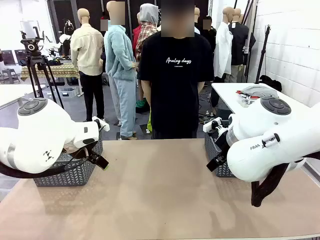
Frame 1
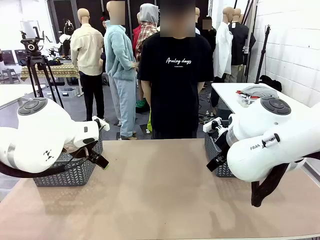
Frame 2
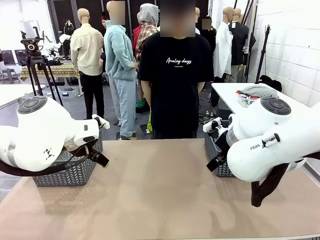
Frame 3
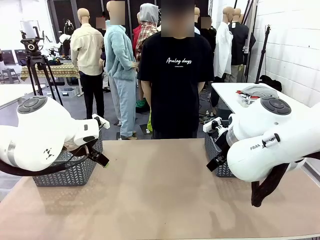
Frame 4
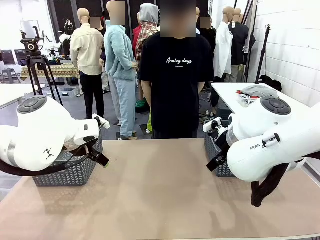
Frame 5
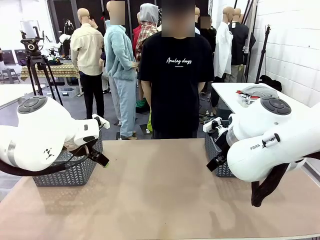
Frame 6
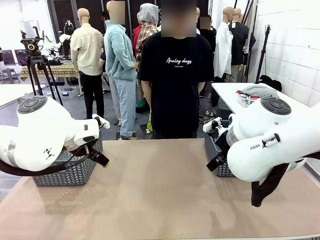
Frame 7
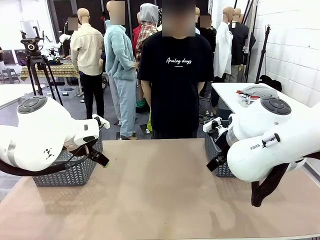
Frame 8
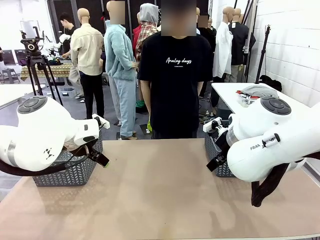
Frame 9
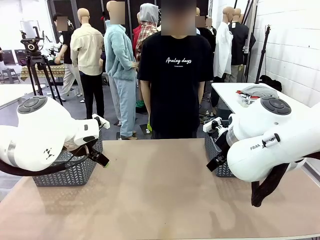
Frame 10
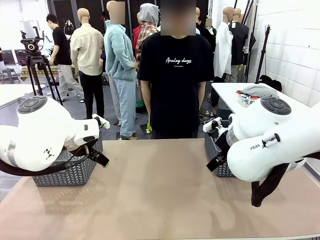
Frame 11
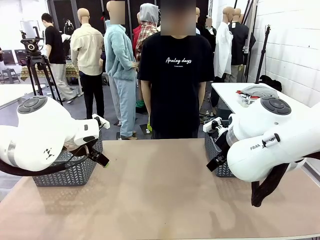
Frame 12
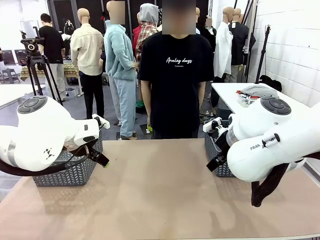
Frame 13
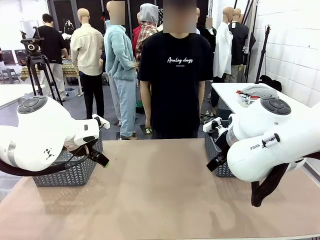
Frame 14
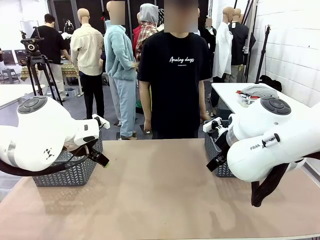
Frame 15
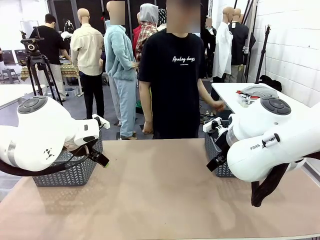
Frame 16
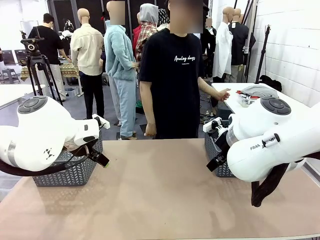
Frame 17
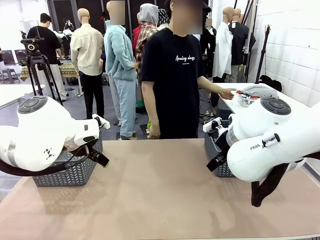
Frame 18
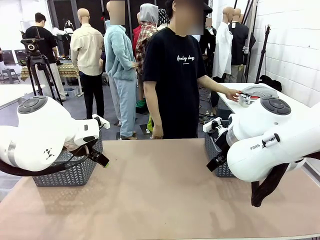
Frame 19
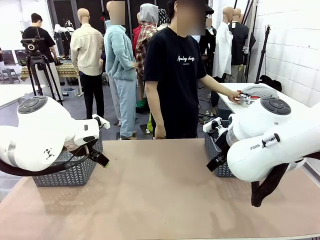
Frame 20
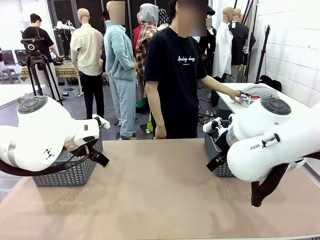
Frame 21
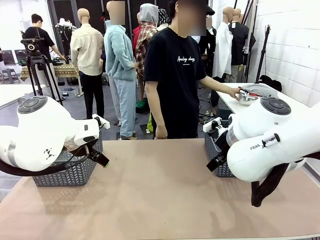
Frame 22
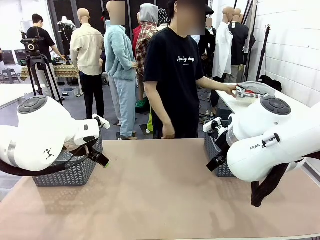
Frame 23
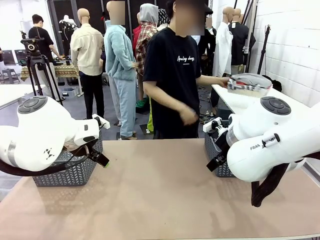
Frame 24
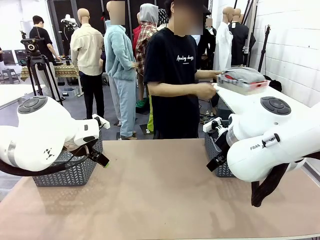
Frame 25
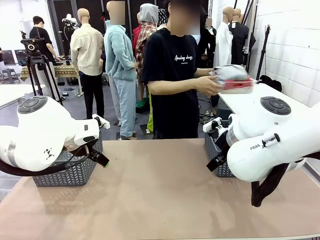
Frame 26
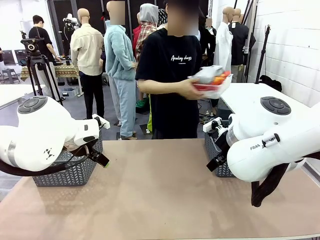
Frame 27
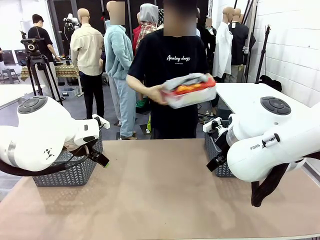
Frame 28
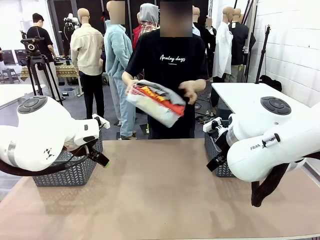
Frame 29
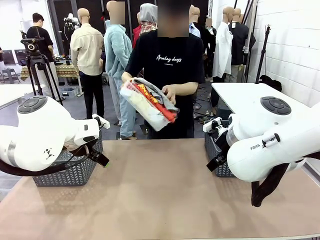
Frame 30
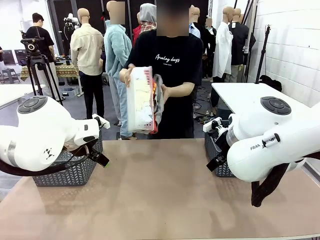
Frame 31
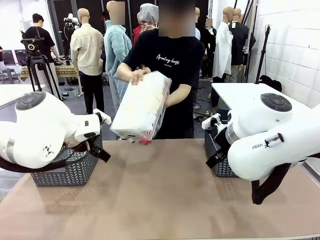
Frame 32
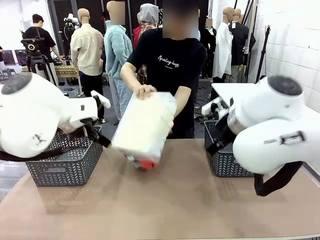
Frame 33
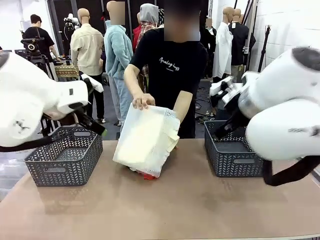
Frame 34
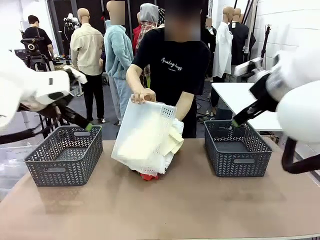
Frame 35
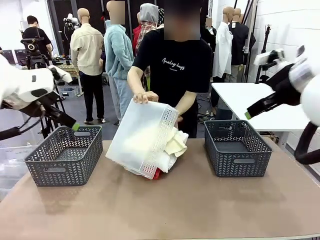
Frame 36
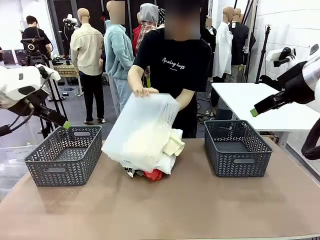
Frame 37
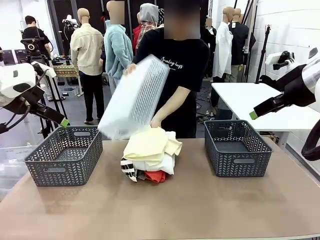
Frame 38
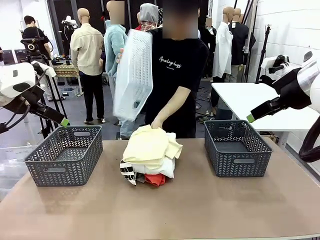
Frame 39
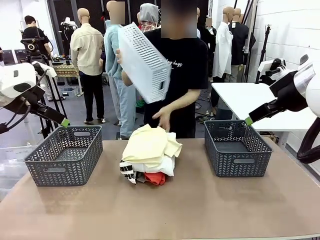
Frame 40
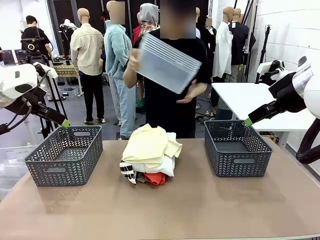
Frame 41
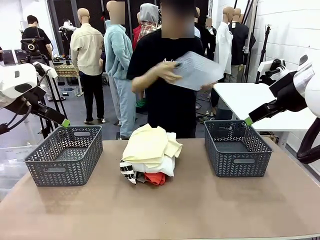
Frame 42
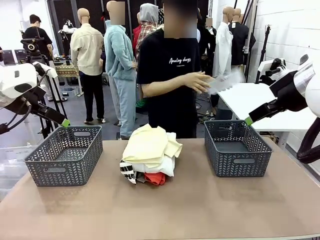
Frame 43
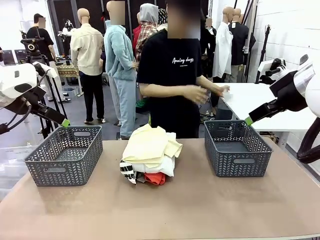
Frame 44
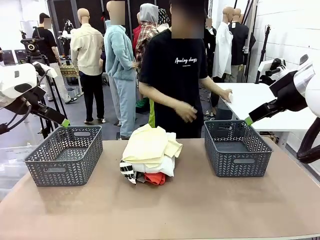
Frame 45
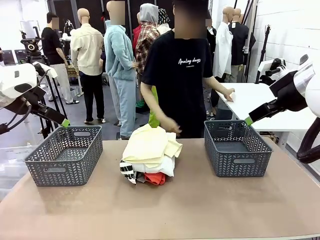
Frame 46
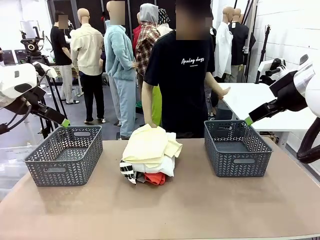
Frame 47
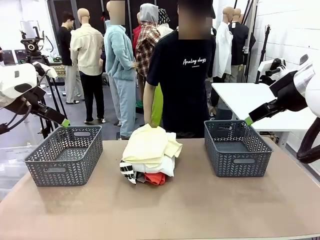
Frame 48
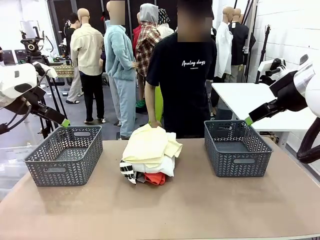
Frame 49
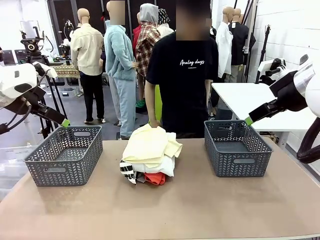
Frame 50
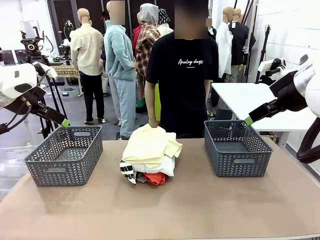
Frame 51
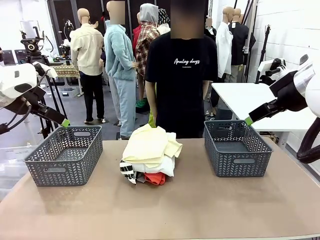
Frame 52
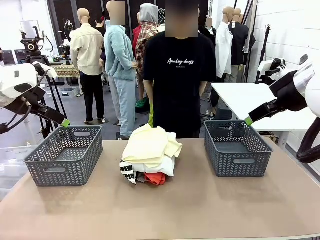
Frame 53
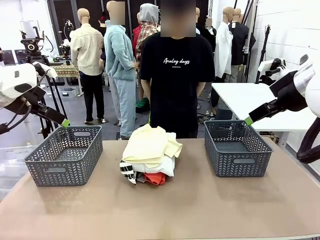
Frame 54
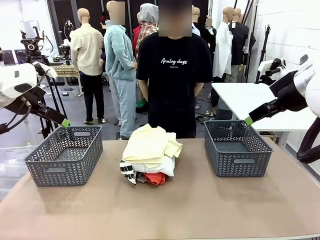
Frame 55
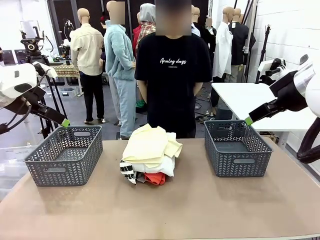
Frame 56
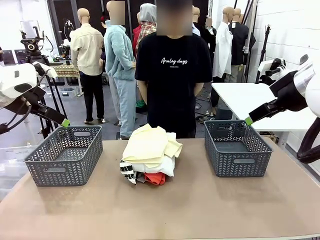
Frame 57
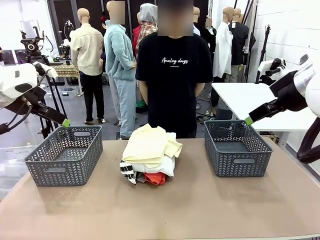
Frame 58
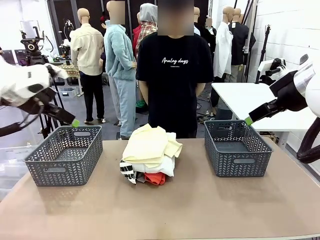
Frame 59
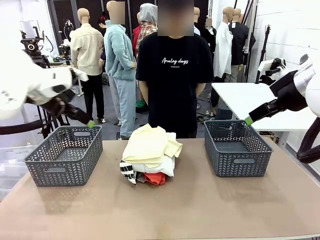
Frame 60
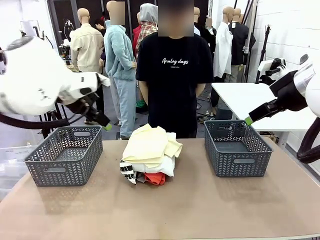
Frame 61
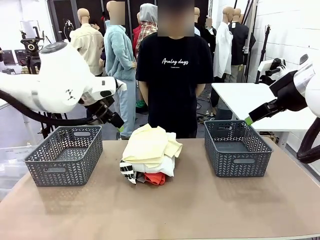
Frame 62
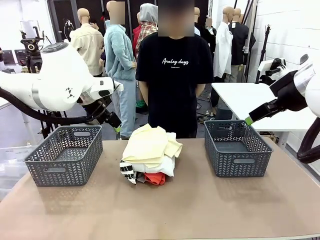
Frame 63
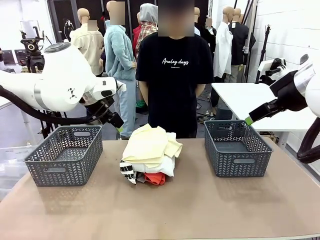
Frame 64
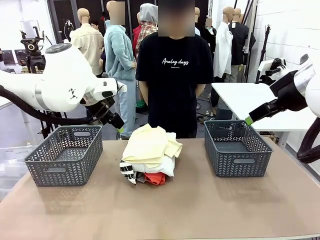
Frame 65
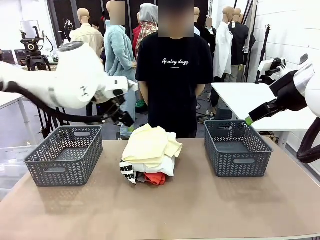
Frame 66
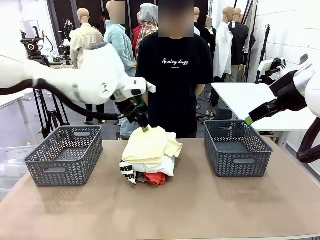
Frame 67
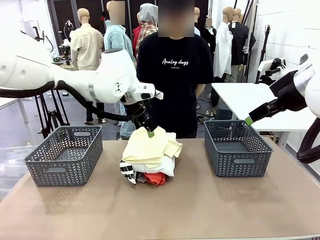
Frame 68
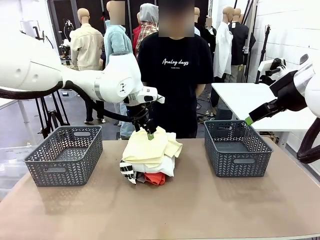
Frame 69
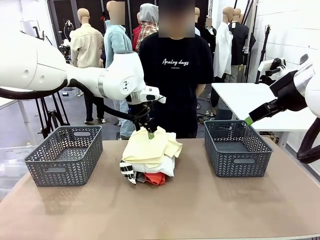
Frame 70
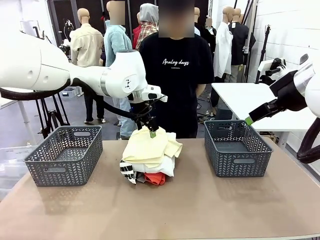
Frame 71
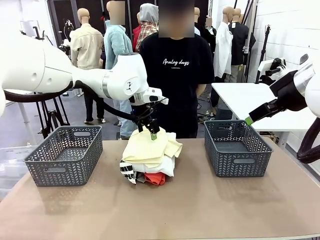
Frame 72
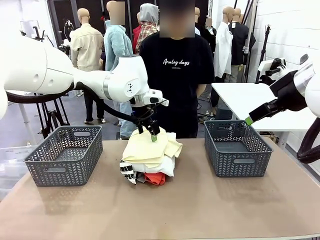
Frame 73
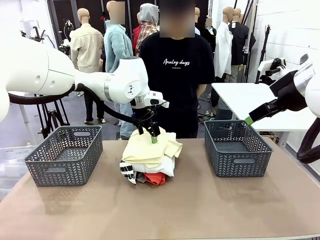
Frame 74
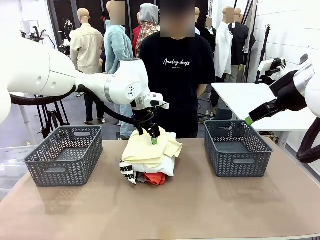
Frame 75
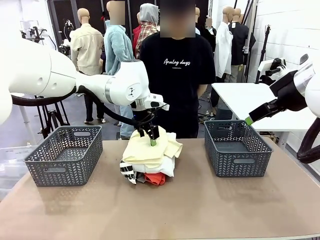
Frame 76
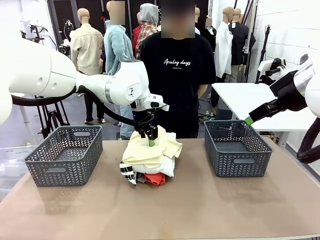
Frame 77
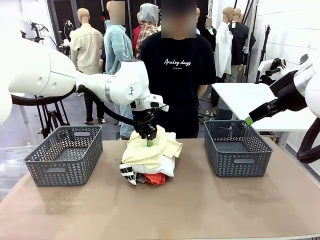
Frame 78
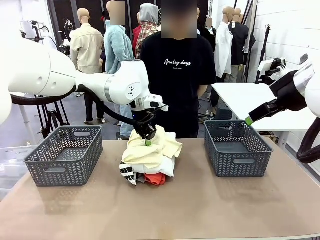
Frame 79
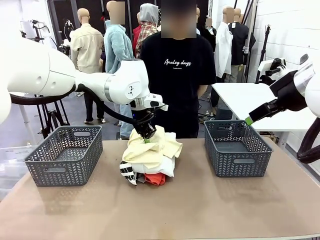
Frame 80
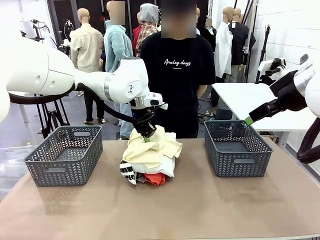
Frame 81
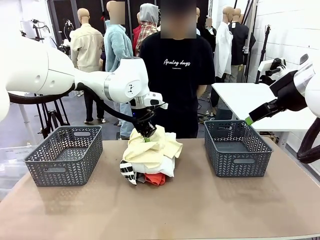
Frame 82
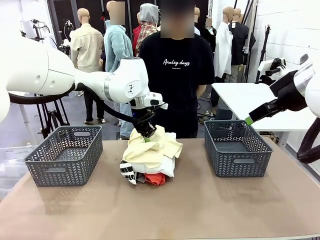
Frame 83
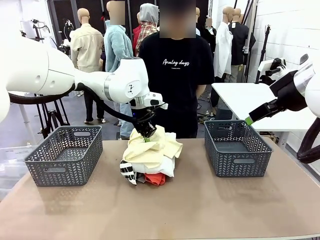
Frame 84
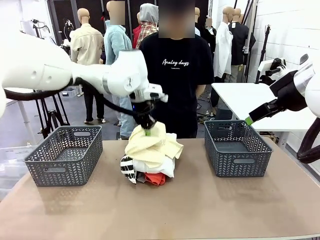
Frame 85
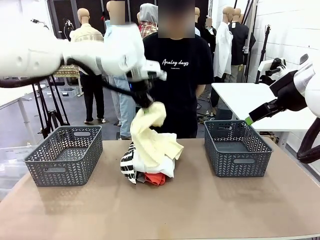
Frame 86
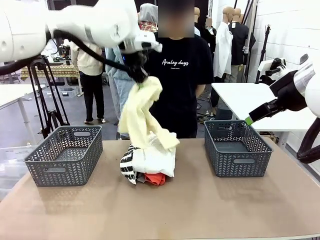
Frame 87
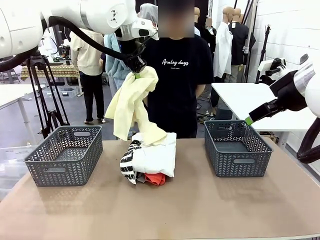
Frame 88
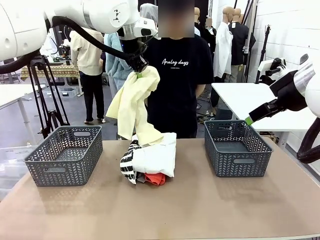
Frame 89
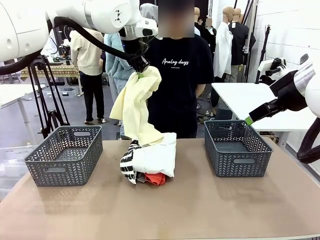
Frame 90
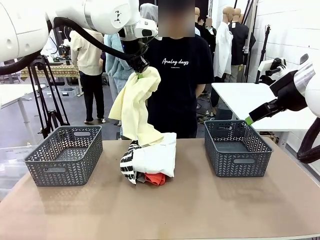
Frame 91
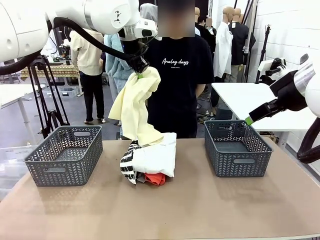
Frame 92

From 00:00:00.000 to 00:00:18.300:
Task: Sort the tops and bottoms.
Robot: Lift clothes from the center of the table with your left hand.
Person: Pour the clothes from the basket onto the center of the robot table.
